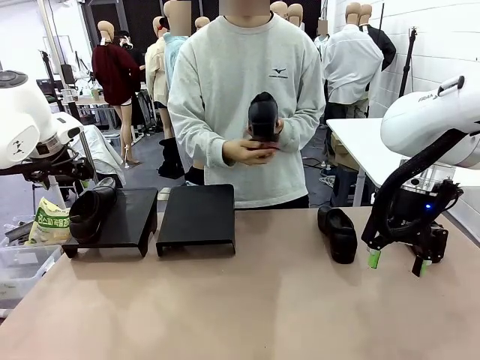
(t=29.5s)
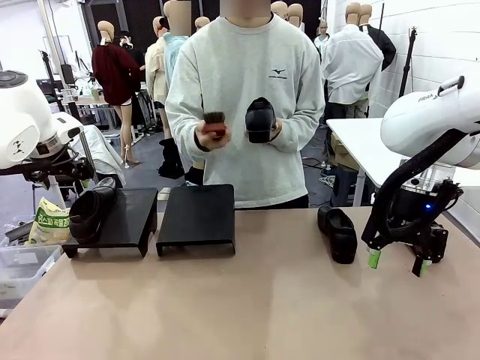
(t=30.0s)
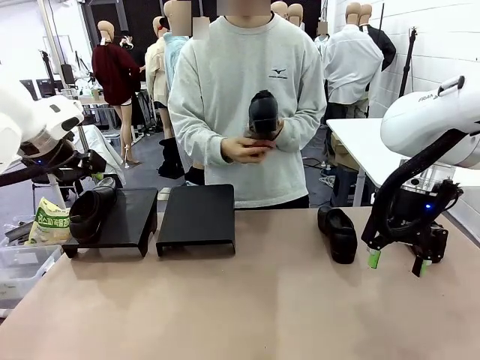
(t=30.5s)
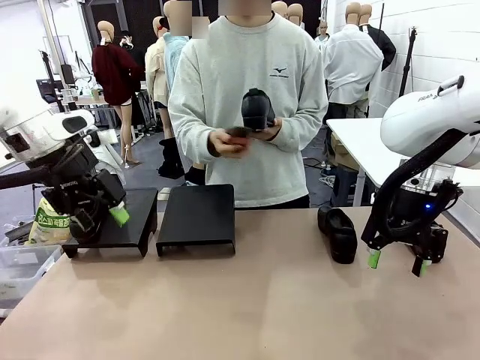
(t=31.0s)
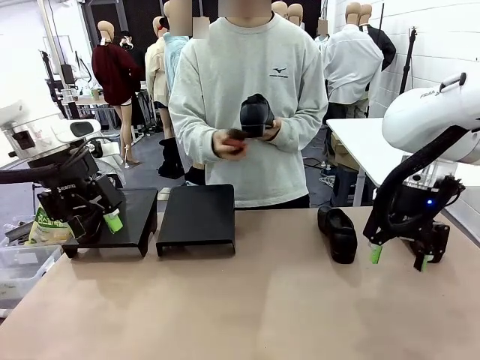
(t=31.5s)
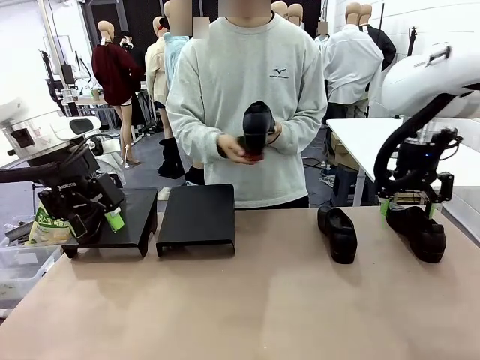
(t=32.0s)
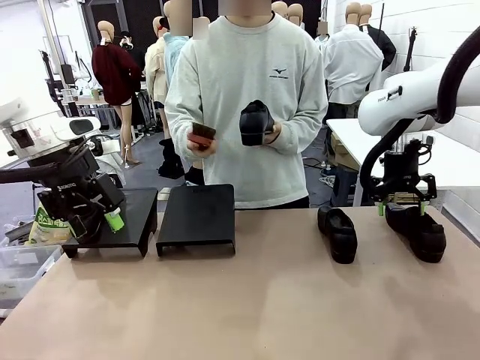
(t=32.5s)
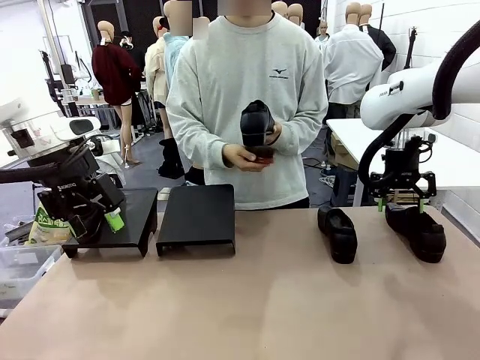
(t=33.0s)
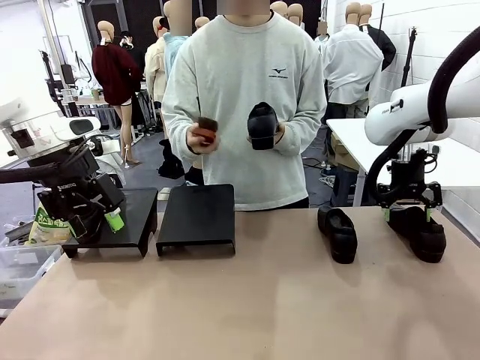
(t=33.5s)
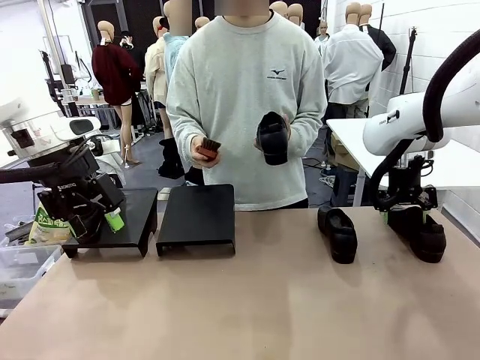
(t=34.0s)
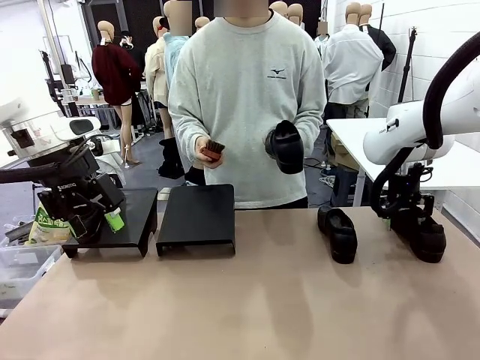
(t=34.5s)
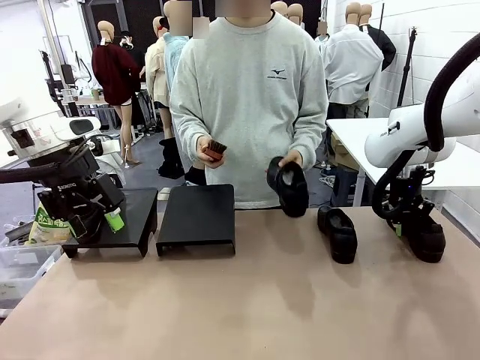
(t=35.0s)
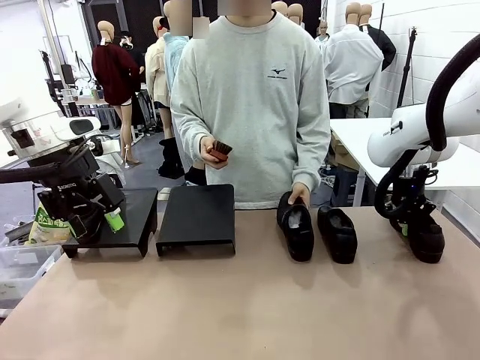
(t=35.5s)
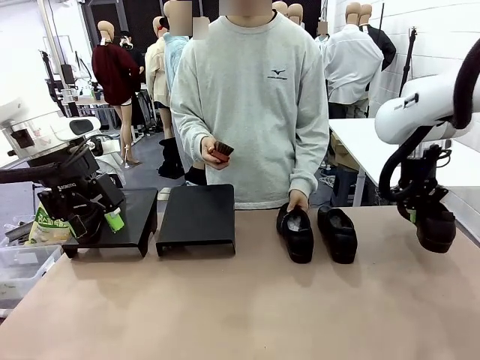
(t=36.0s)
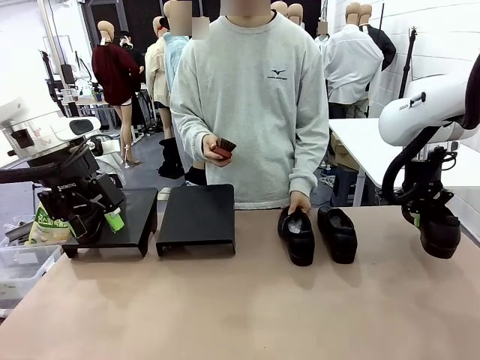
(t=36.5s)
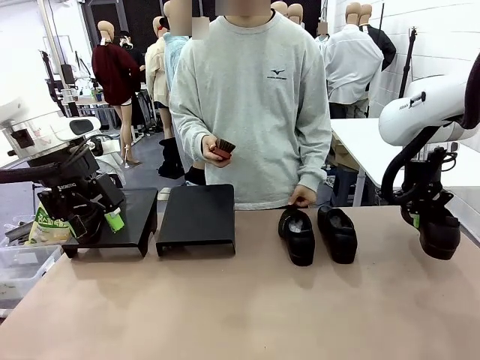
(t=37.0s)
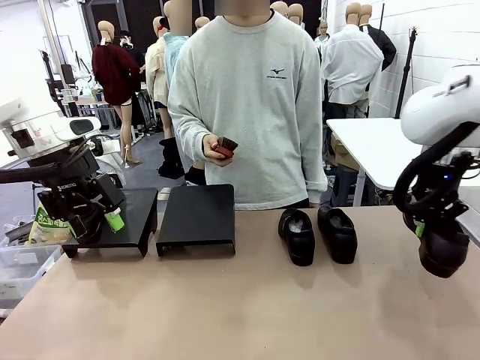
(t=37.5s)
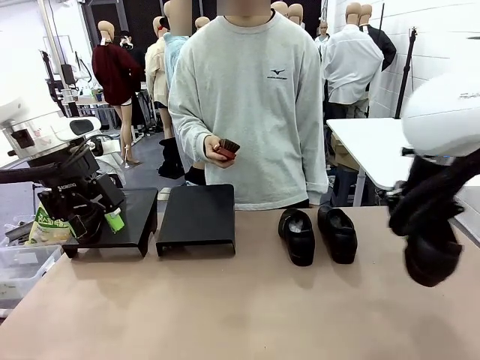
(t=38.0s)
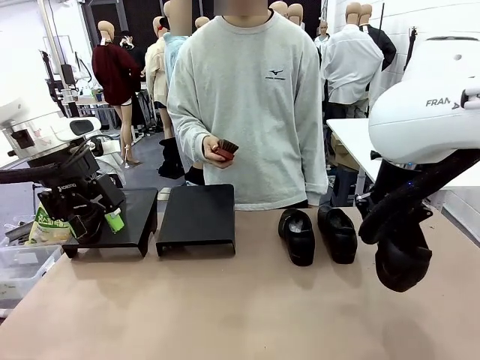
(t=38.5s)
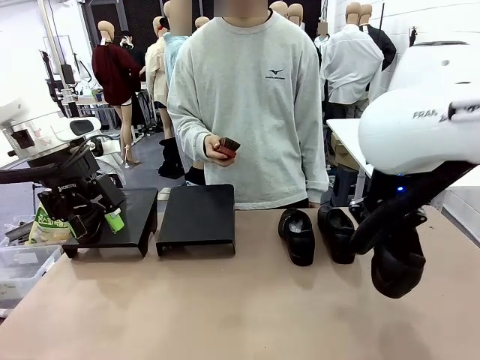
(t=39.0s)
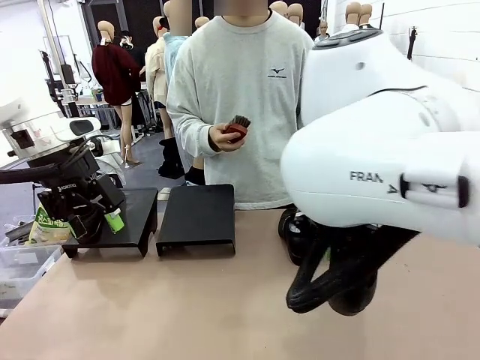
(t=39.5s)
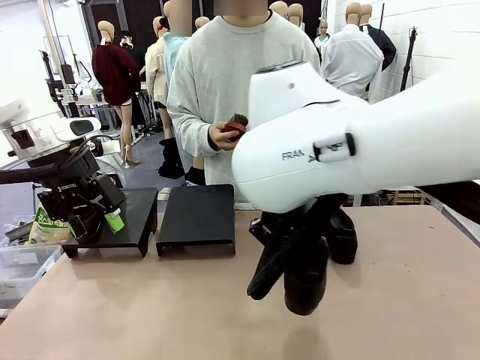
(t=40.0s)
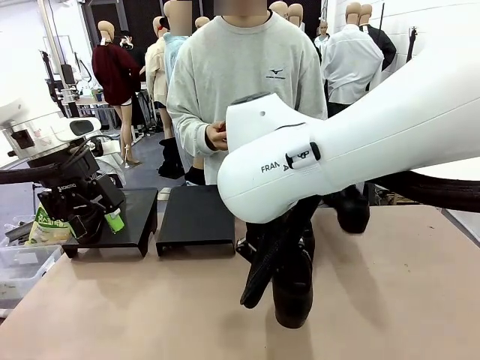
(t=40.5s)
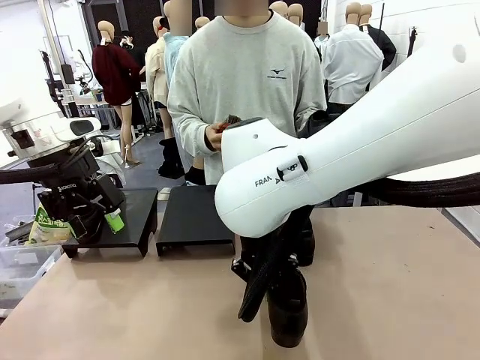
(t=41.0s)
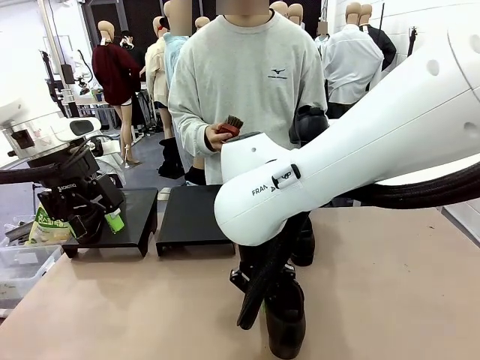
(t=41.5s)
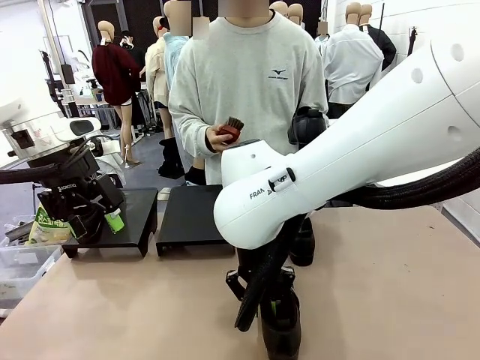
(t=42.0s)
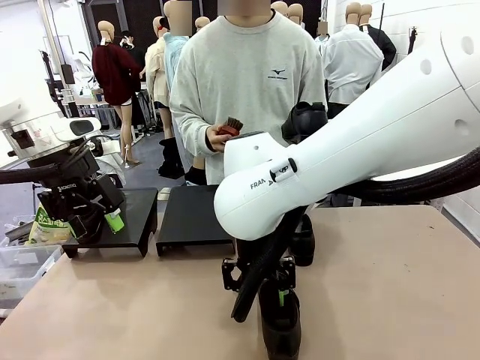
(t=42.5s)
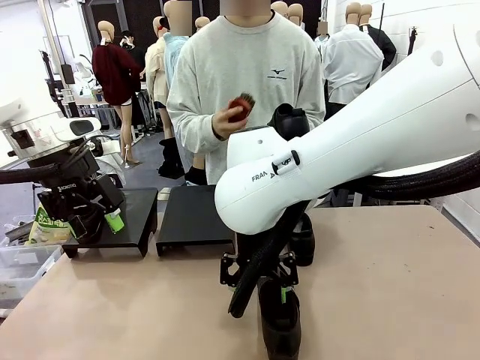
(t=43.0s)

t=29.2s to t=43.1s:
Task: Organize the shoes by placing them on the stand.
Robot: Pick up one Shoe and place it in the middle of the table.
Person: Place the Shoe on left side of the Robot's table. Pick one Shoe on Robot's table.

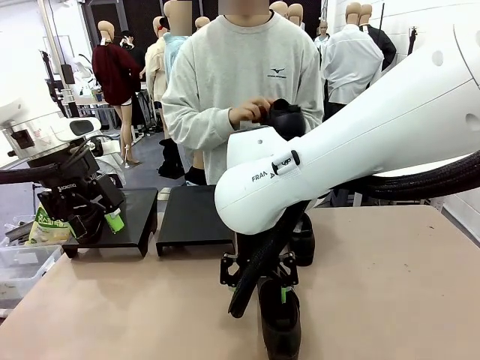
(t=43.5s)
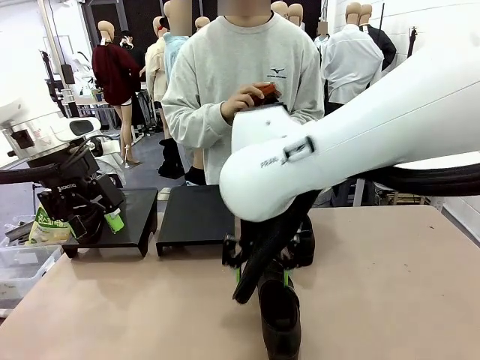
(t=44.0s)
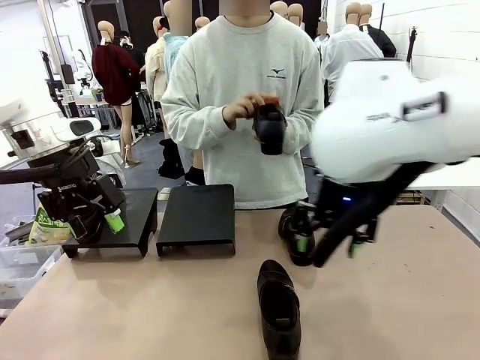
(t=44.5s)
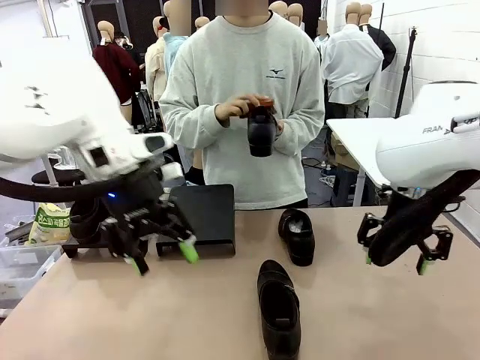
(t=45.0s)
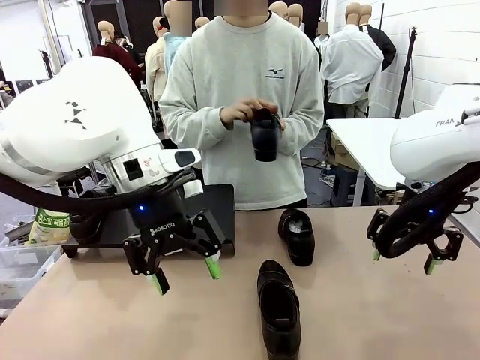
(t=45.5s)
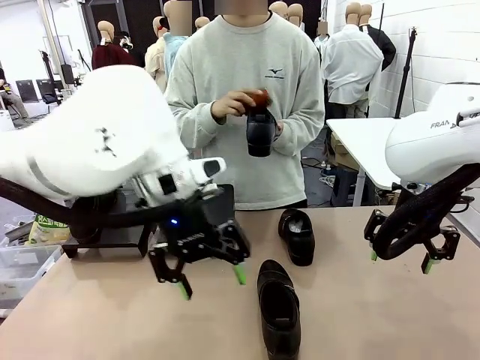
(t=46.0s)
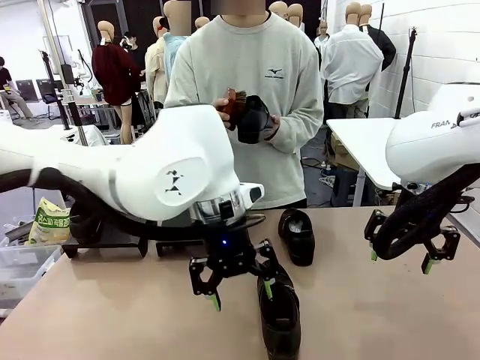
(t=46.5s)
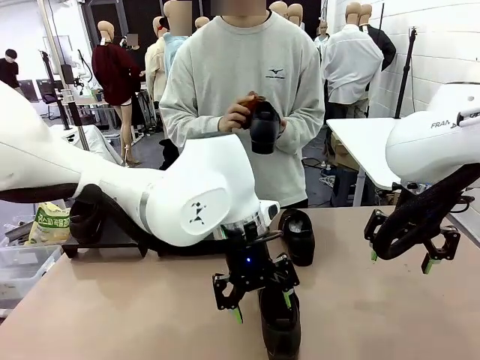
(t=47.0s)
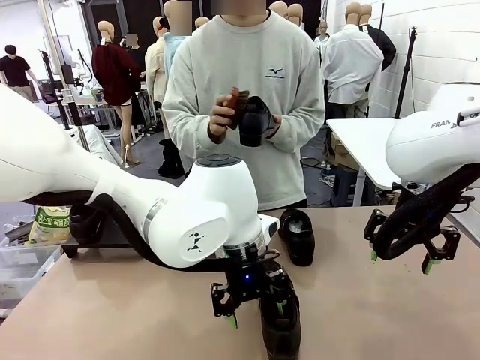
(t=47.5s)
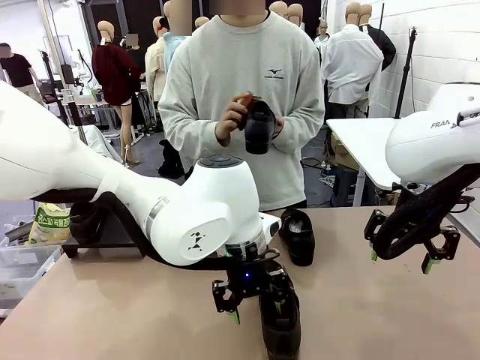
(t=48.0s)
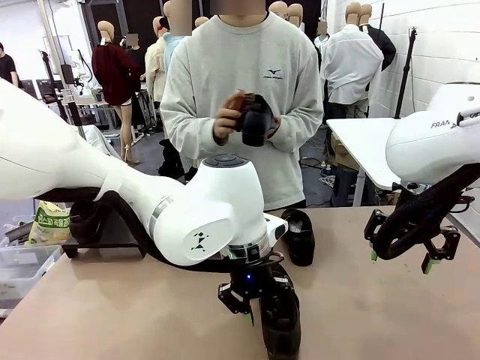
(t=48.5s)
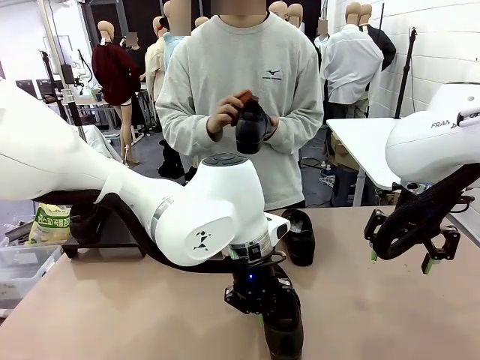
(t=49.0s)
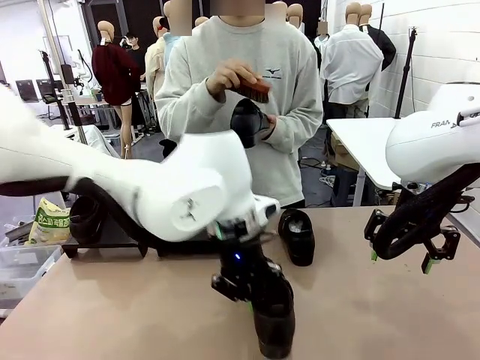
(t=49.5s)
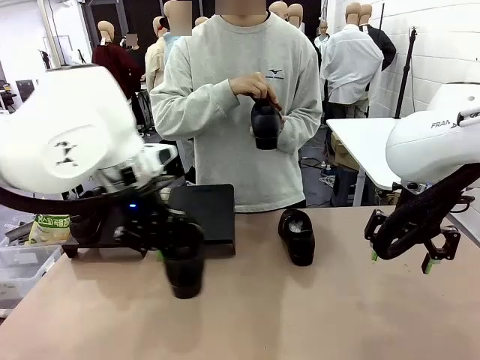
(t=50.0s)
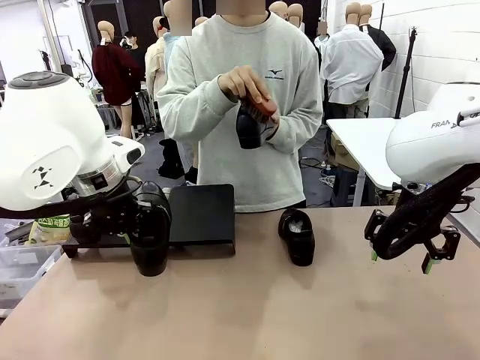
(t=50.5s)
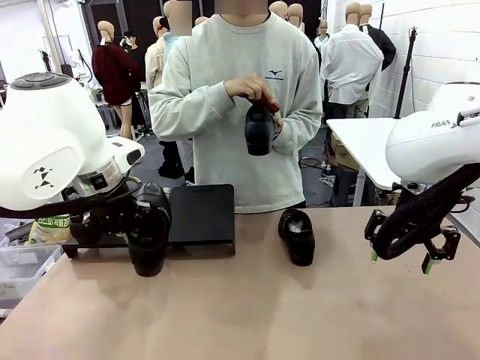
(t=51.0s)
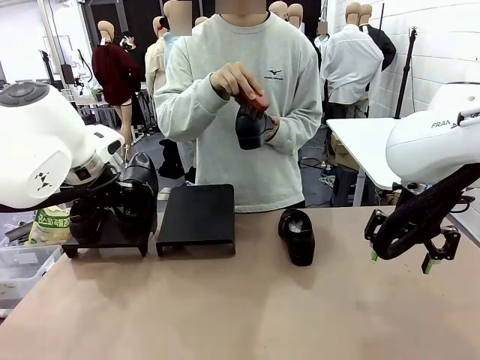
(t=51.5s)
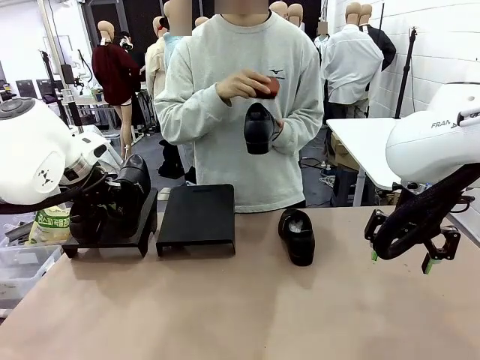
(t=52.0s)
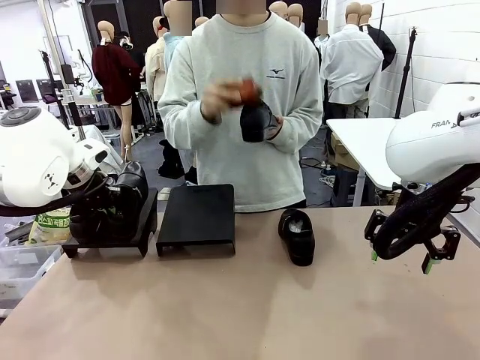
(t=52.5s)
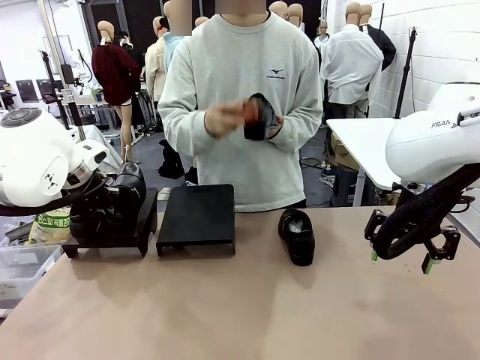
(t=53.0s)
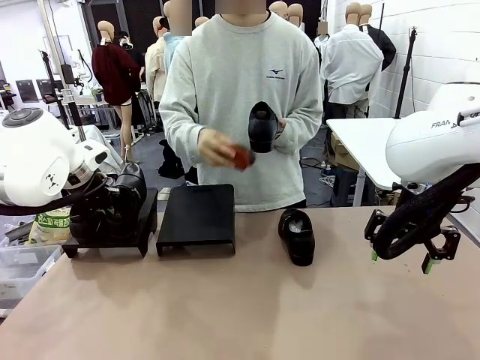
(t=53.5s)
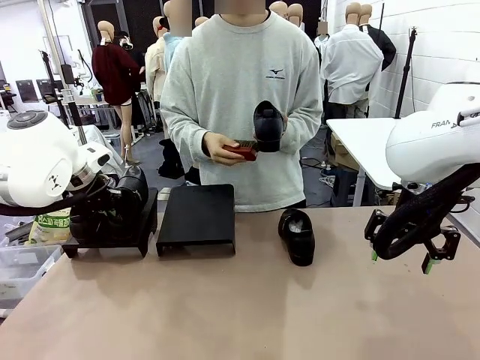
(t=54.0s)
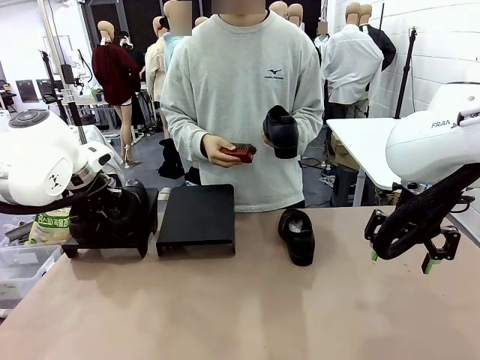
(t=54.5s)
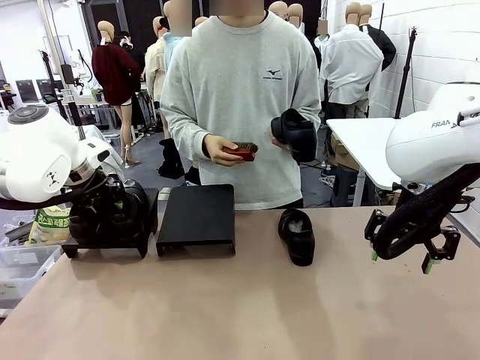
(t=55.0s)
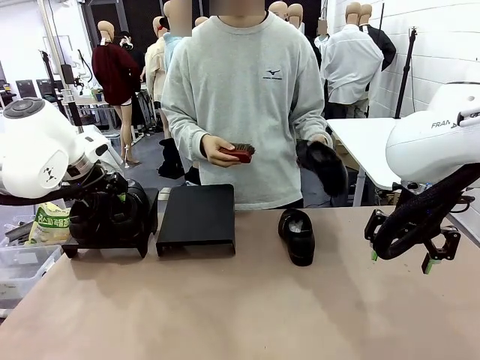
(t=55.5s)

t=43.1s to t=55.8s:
Robot: Place the Shoe from the middle of the table onto the Shoes Stand.
Person: Clean the Shoe with the Shoe Brush.
